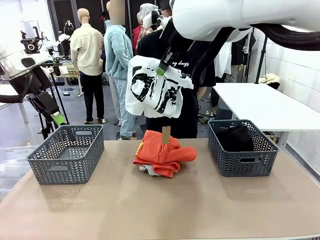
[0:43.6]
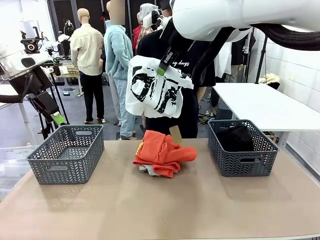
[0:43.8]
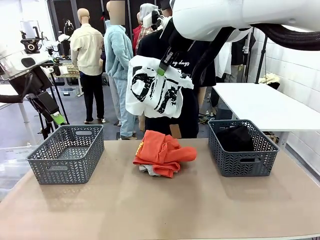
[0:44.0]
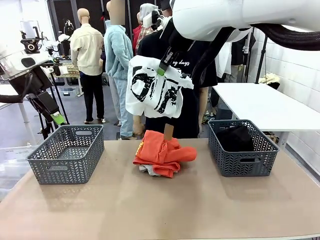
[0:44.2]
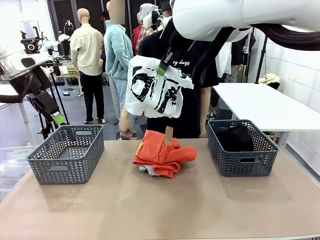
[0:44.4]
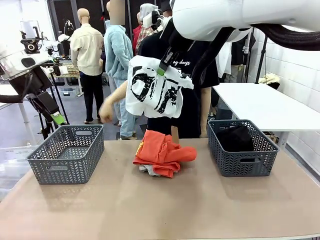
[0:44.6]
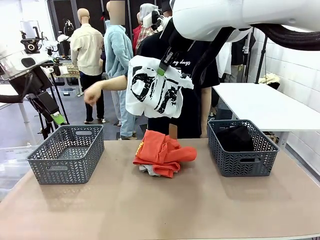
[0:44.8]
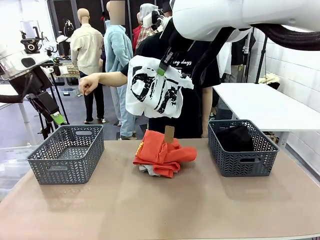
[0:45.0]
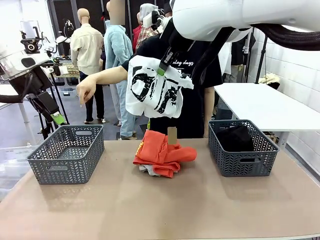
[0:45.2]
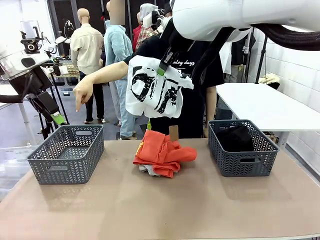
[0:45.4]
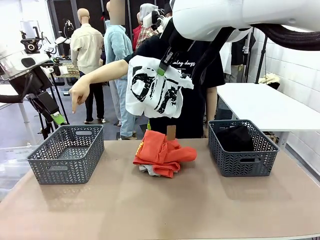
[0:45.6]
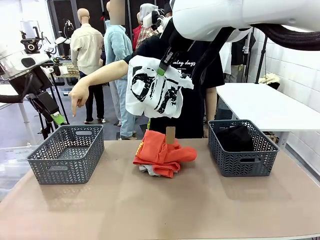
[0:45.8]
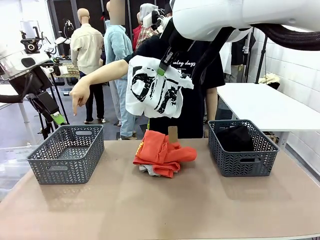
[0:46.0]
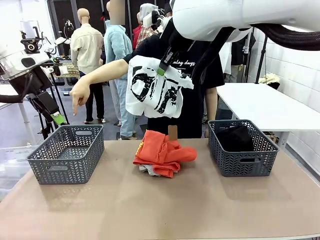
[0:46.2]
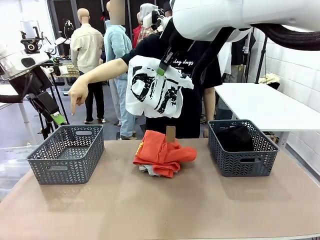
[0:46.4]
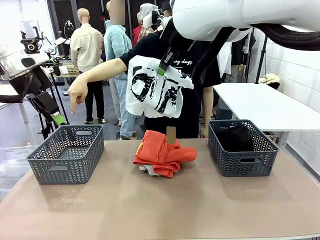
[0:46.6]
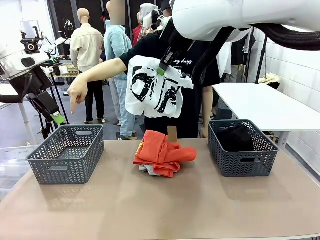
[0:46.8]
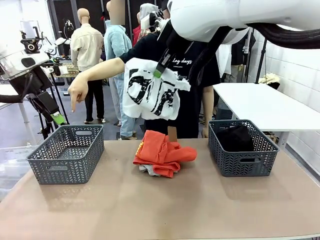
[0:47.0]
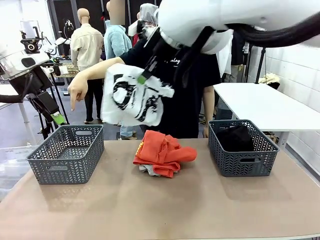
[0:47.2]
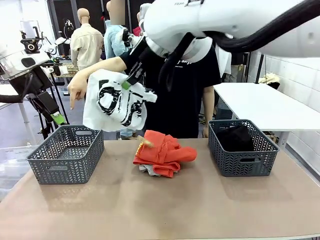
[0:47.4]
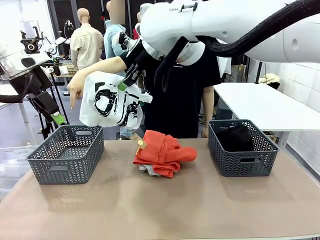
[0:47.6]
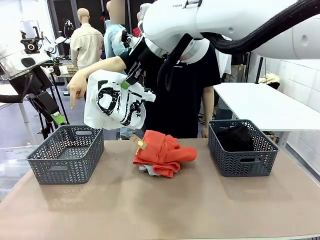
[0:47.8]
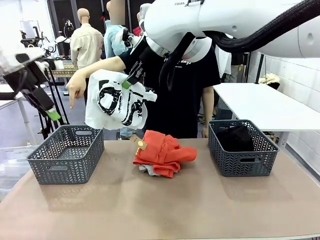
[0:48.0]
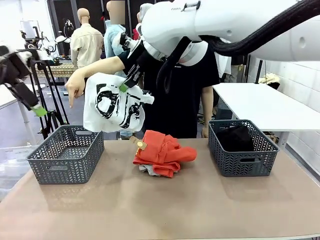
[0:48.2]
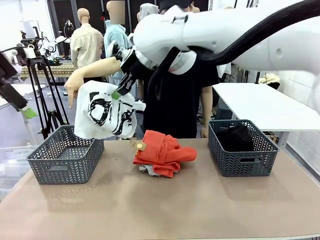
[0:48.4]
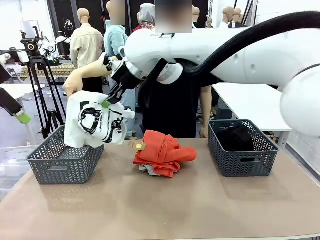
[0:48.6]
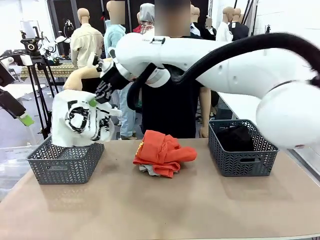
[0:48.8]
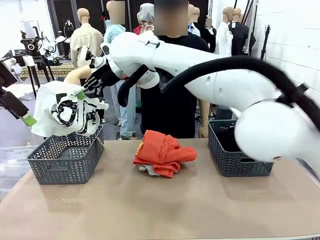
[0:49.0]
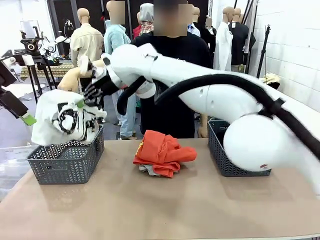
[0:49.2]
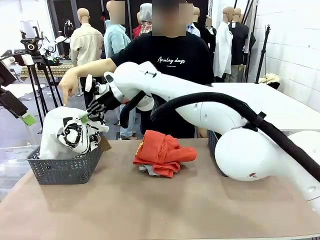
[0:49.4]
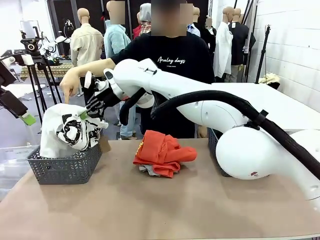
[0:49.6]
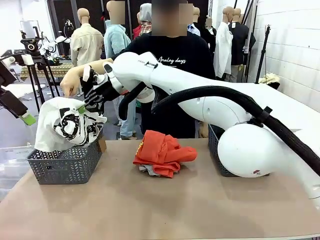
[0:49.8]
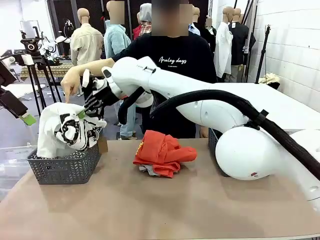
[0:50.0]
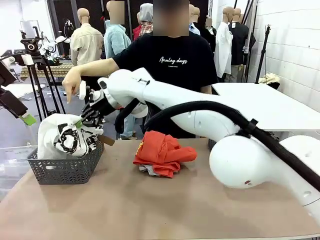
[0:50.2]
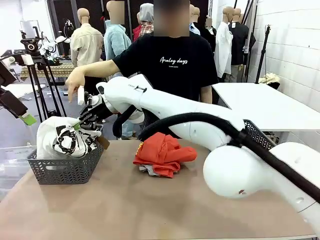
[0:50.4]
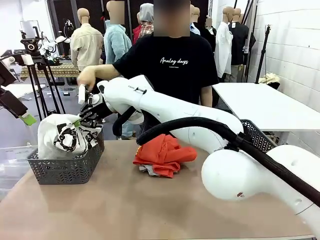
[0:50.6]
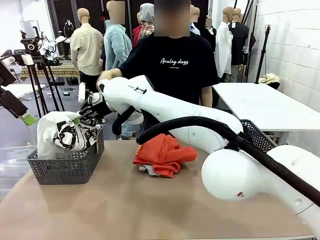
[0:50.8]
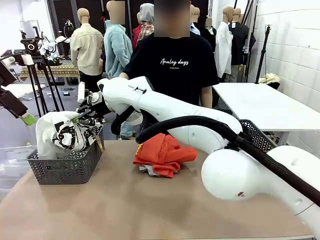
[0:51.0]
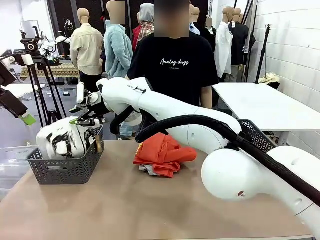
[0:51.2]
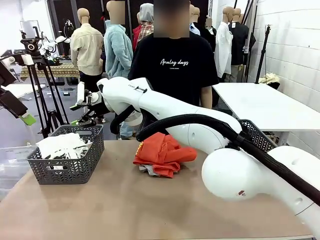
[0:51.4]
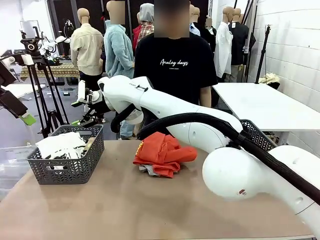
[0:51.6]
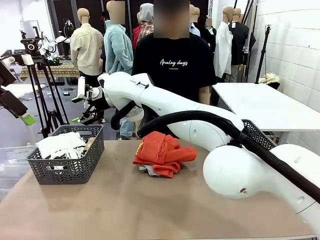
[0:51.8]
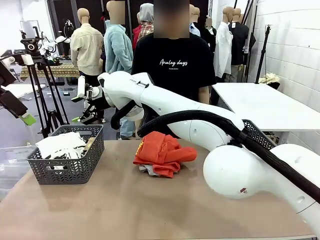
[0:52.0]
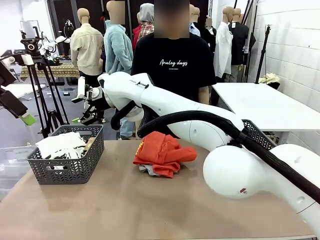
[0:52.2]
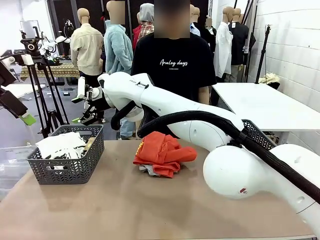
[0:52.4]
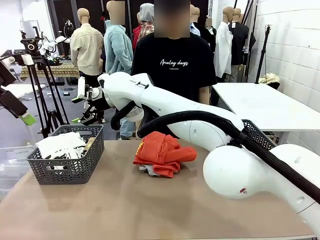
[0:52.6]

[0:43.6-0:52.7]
Task: Sort the tops and bottoms.
Robot: Sort the clothes according to human instructions.

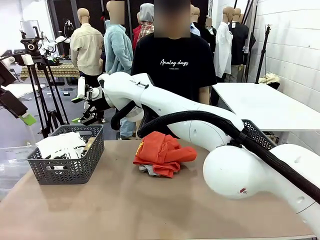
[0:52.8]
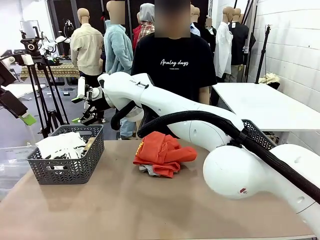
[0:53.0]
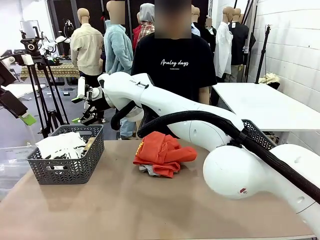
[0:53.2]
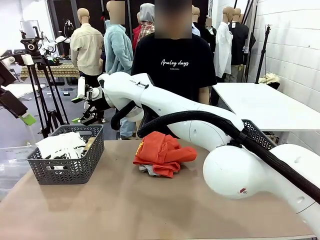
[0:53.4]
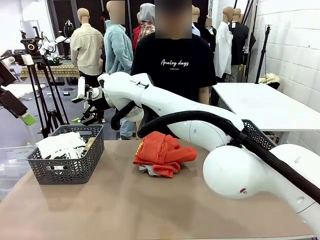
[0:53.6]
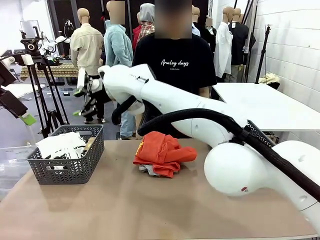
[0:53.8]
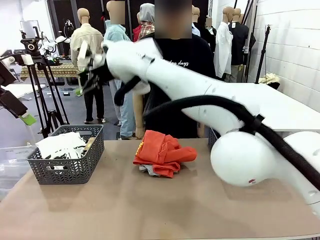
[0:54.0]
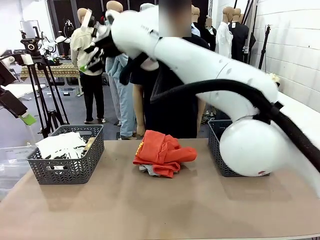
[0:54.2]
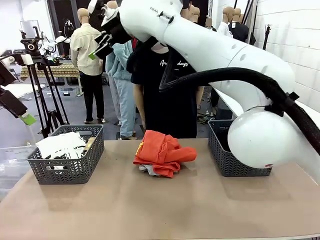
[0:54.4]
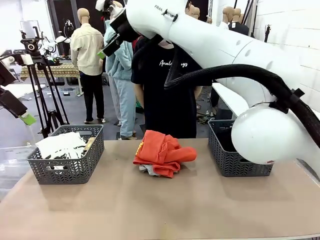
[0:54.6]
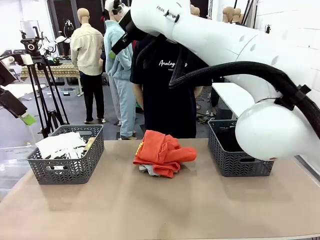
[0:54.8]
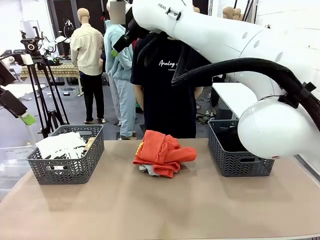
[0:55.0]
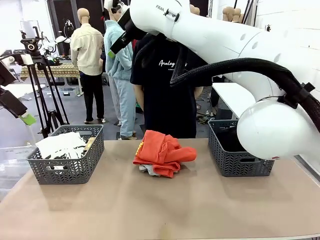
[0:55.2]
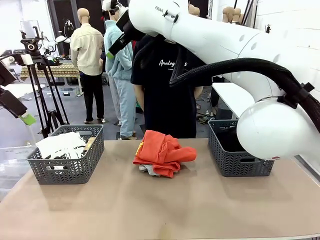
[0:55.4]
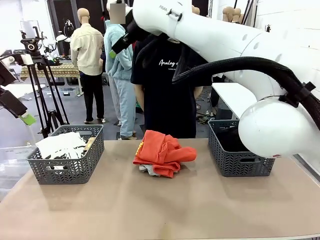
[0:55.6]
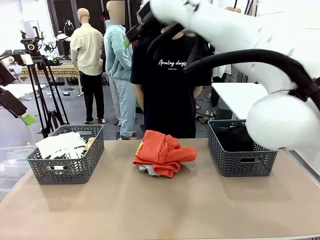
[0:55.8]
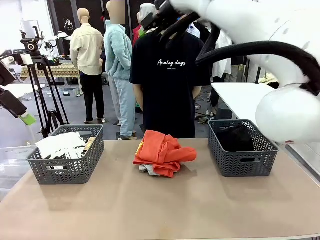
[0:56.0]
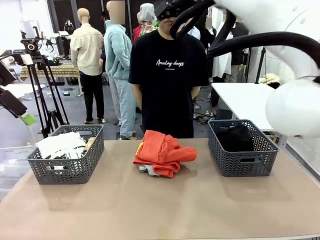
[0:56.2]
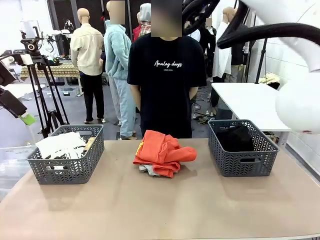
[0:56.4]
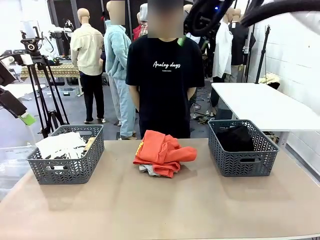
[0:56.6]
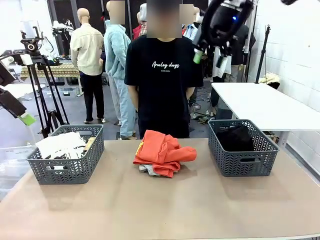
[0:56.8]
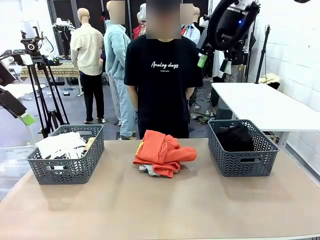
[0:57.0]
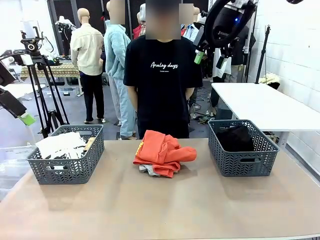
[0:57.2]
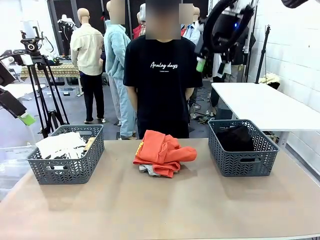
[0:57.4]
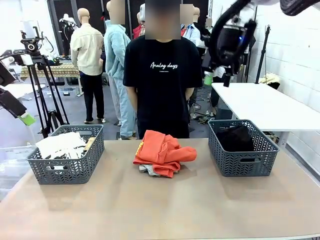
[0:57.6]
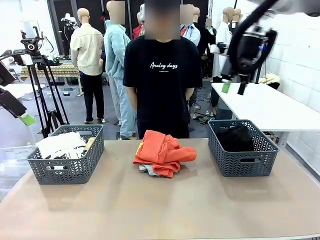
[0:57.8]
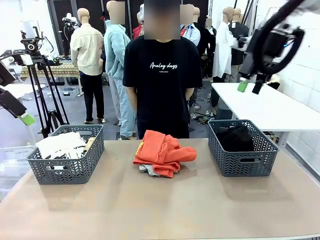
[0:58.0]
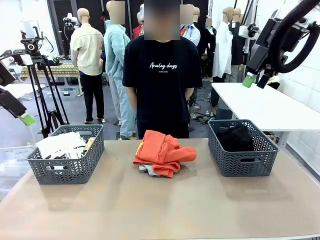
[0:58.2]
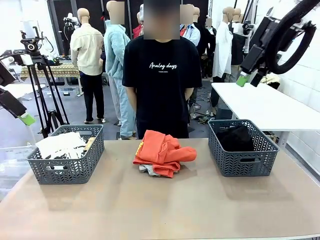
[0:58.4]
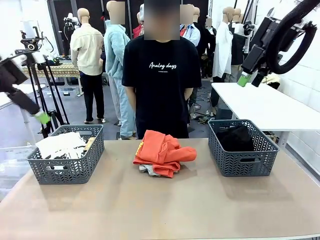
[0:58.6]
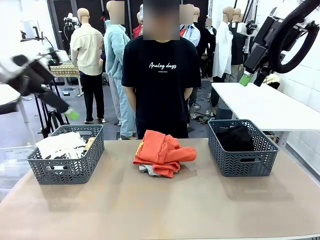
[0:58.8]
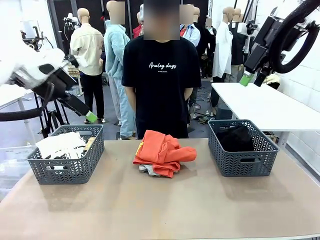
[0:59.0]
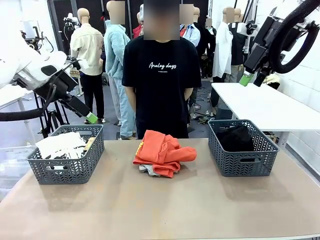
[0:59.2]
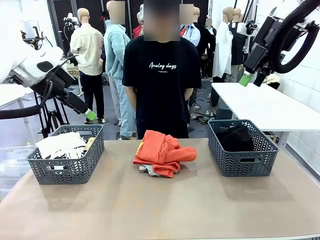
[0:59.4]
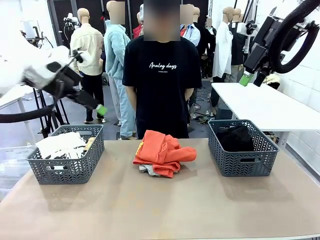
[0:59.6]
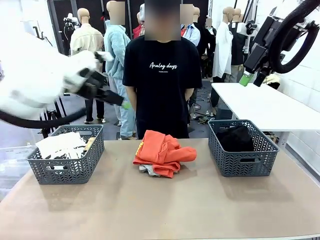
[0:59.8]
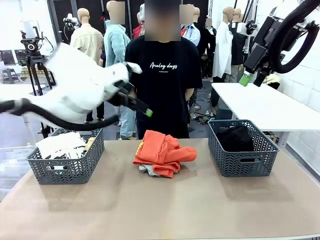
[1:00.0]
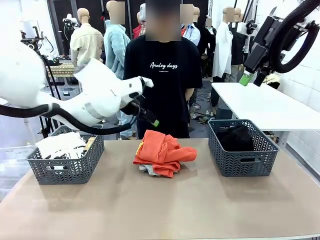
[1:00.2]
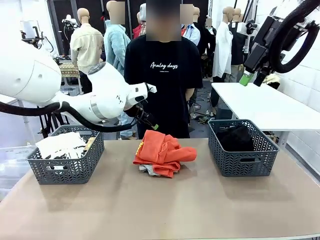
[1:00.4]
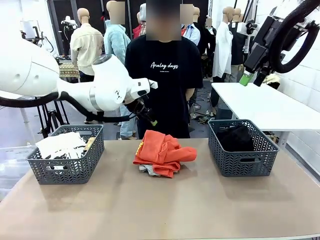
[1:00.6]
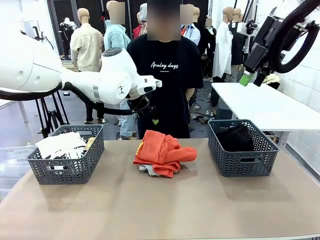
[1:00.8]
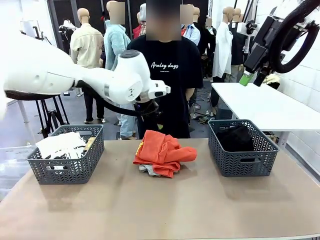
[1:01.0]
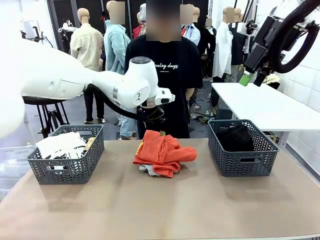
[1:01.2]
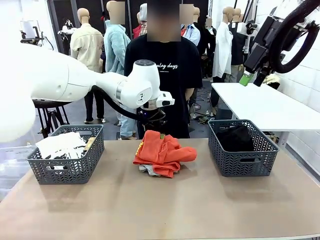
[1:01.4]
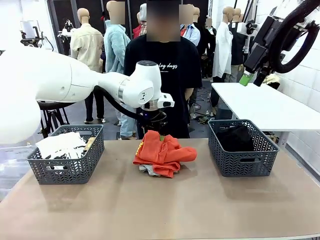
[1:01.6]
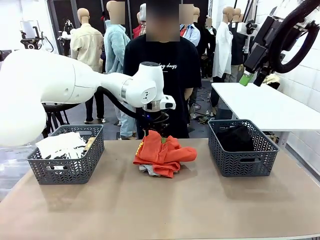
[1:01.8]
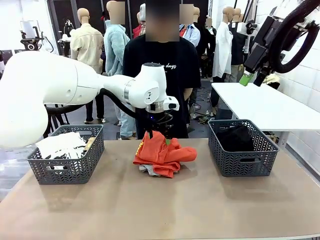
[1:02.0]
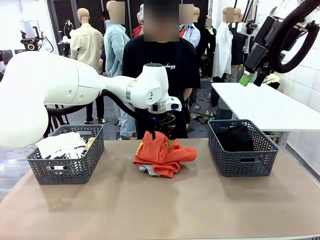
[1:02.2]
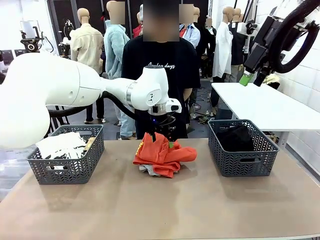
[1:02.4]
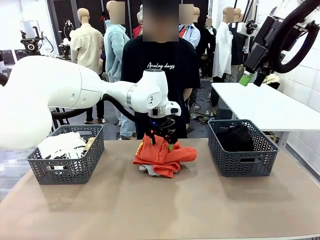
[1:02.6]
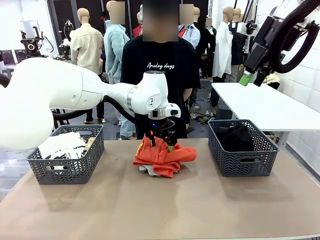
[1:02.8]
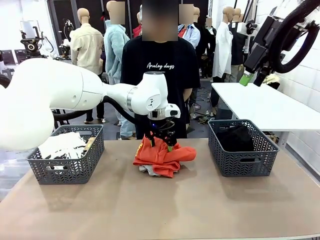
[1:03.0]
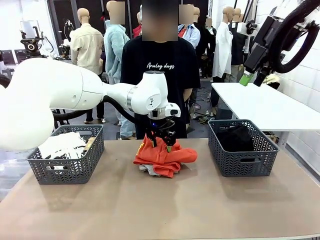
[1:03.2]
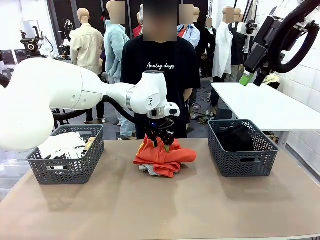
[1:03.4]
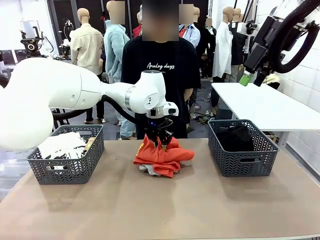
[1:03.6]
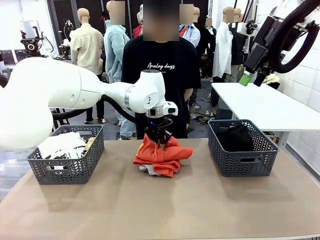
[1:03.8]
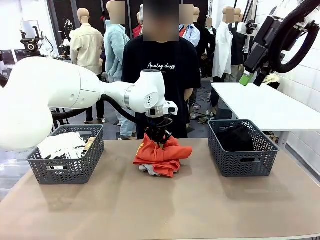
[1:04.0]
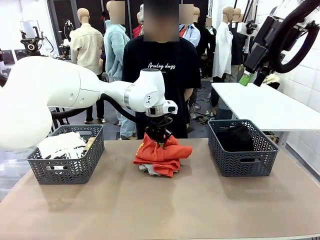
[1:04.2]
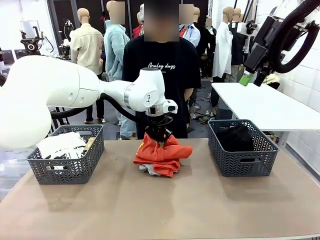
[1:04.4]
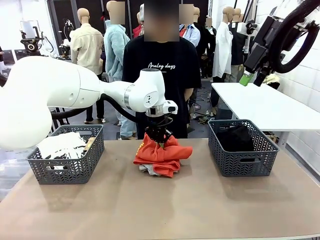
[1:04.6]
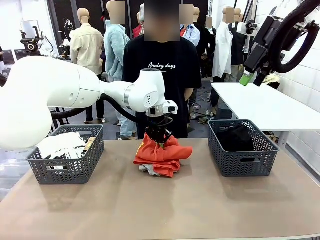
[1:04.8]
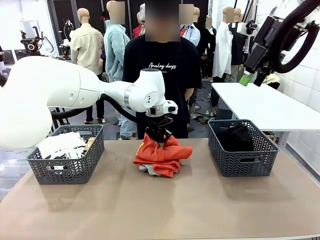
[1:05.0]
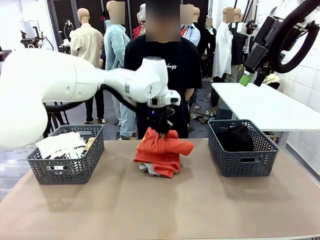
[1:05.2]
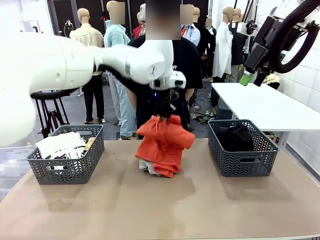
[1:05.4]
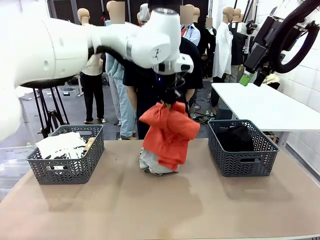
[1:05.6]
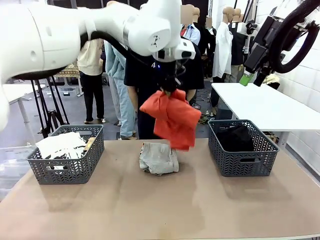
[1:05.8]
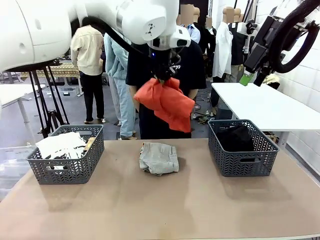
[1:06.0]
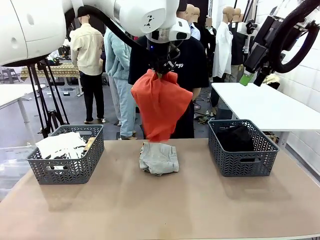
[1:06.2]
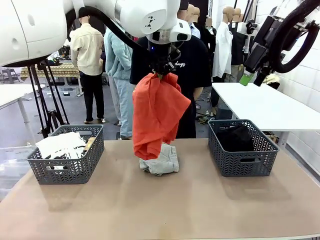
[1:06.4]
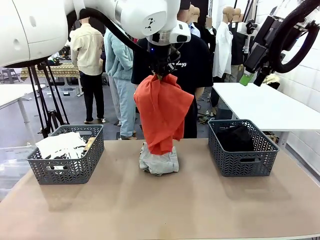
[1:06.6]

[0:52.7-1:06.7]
Robot: Lift clothes from the center of the table with your left hand.
